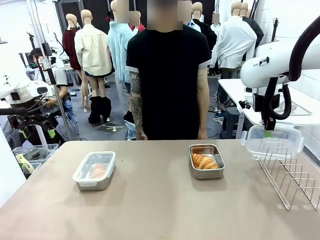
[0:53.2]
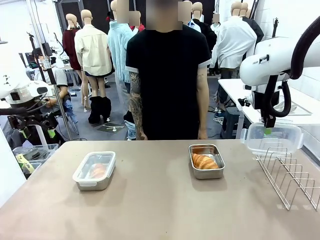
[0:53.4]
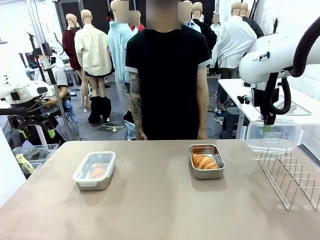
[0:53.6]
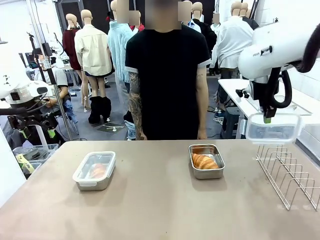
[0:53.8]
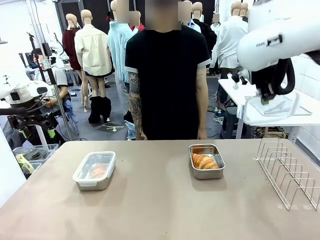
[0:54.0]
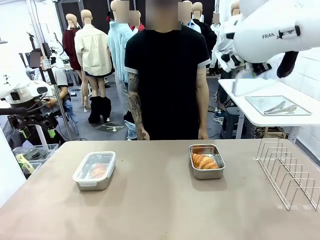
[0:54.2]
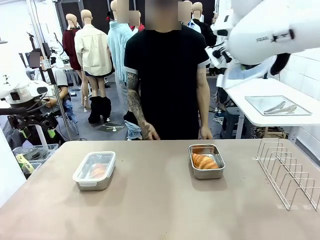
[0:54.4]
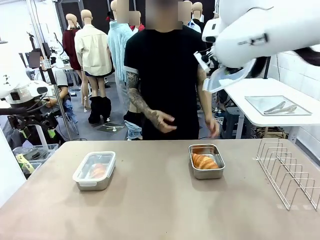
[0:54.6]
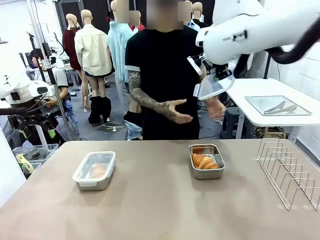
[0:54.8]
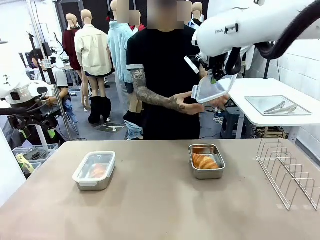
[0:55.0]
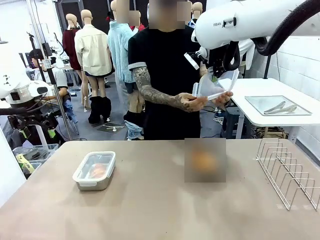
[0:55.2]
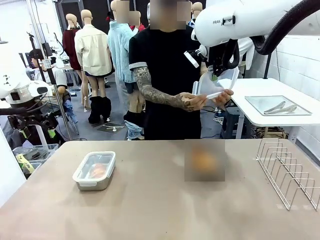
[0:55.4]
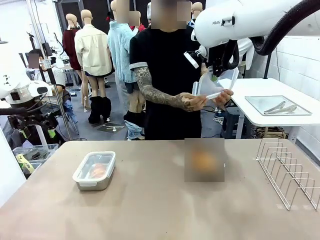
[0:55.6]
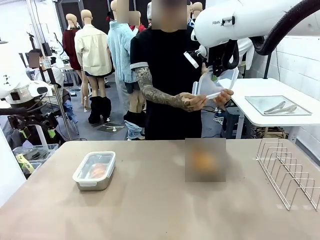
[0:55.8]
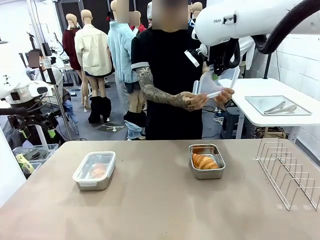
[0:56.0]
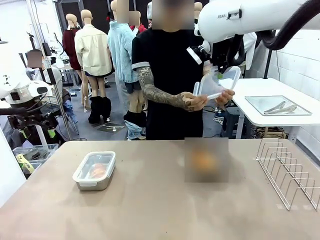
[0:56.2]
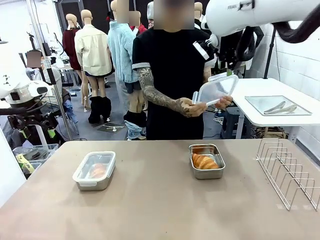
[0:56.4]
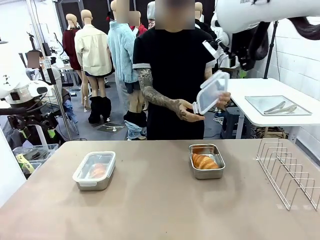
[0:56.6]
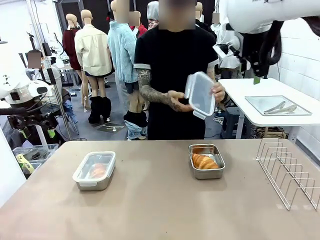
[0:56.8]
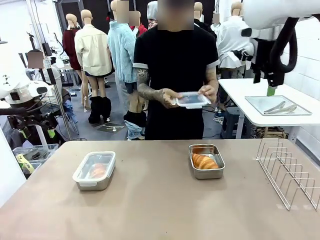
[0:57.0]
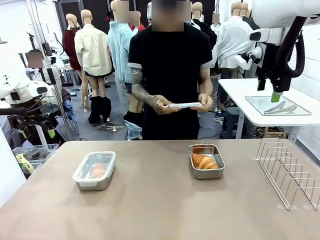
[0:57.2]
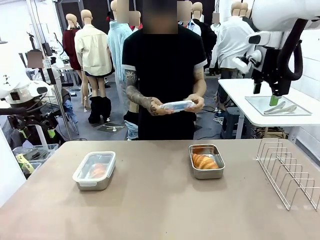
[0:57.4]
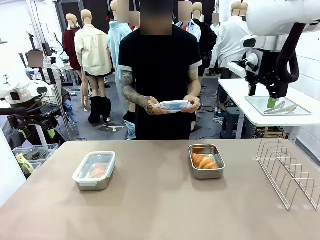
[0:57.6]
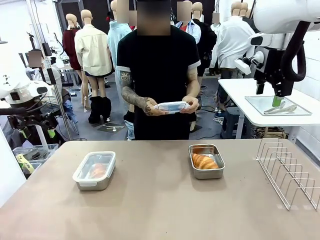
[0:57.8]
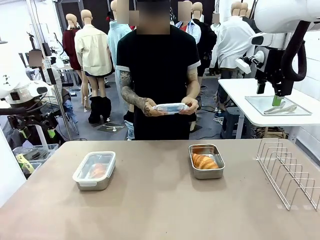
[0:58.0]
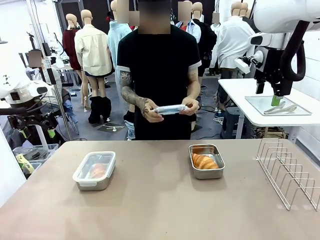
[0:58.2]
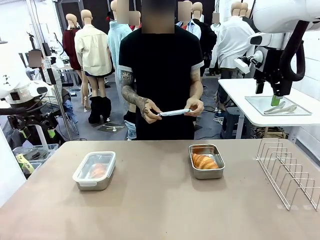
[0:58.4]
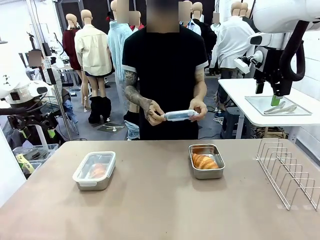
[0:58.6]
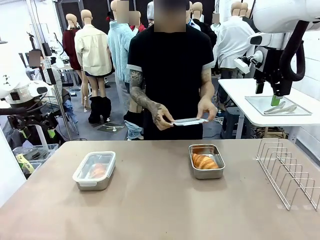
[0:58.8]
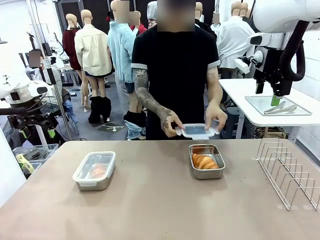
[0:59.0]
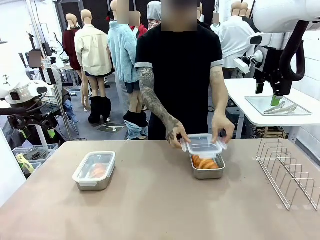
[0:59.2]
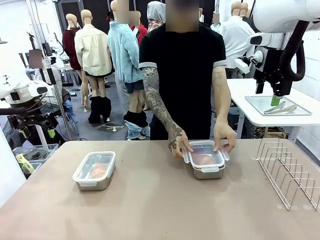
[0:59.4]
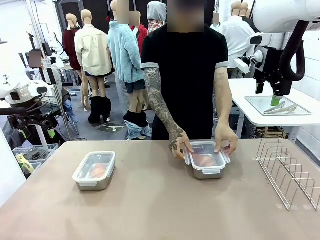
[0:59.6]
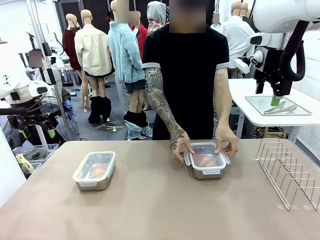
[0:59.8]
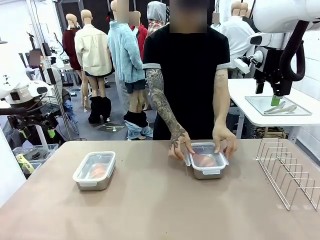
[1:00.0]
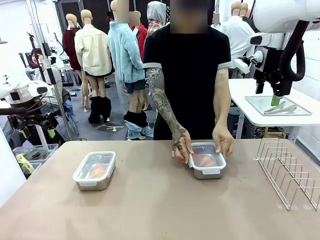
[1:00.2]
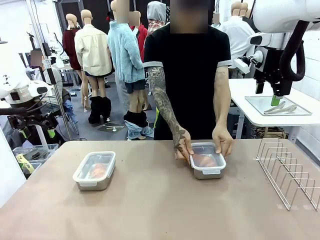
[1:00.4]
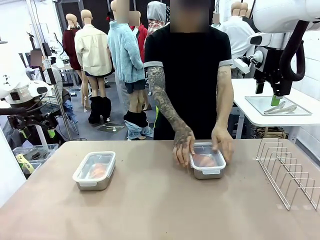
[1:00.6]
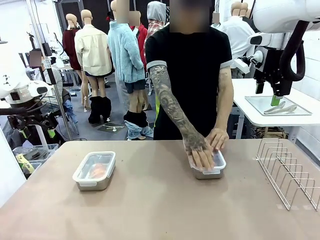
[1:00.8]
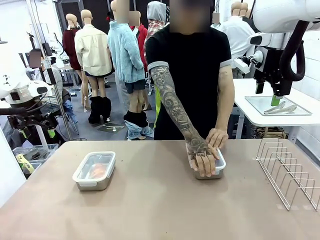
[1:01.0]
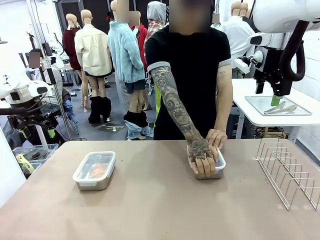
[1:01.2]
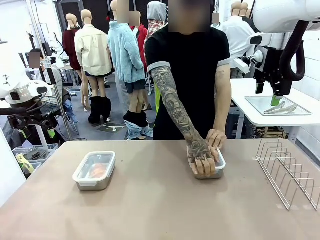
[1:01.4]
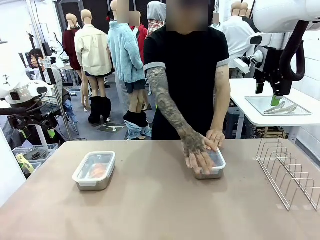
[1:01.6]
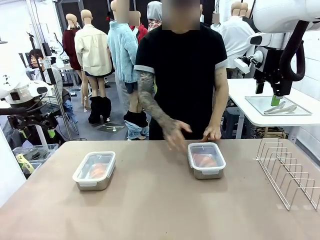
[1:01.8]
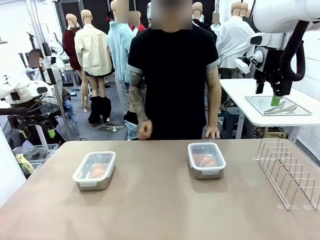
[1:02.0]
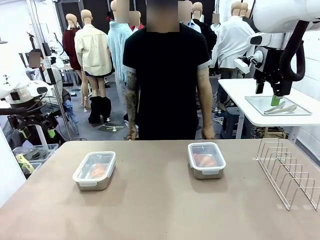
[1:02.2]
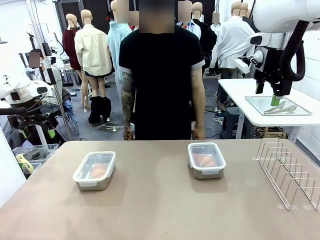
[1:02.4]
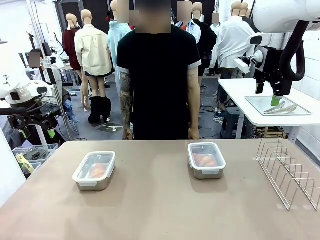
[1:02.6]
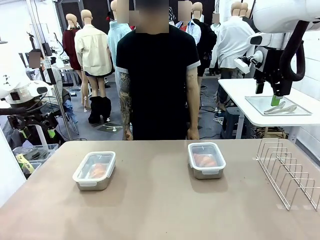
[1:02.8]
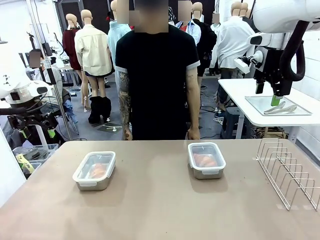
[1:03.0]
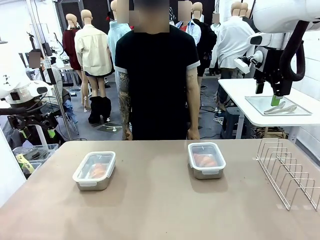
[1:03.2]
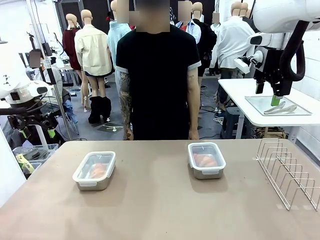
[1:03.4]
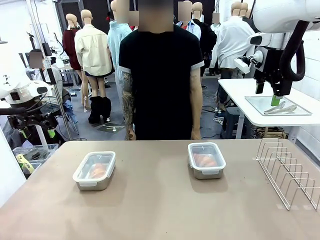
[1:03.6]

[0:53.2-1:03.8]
Task: Place the bread in airtight containers.
Robot: Release when the human grabs the Airtight Container lid.
Person: Grip Airtight Container lid that robot is handing. Close Airtight Container with a handed Airtight Container lid.

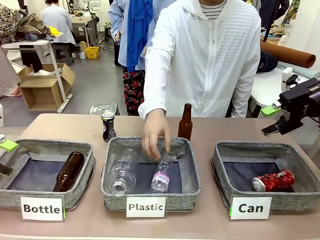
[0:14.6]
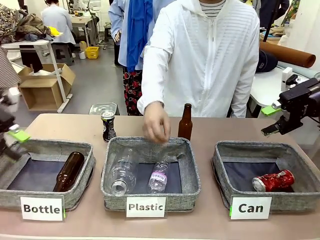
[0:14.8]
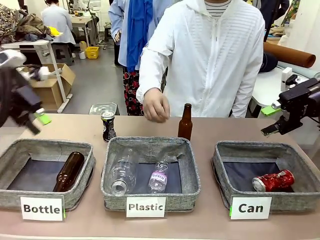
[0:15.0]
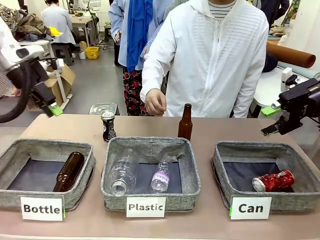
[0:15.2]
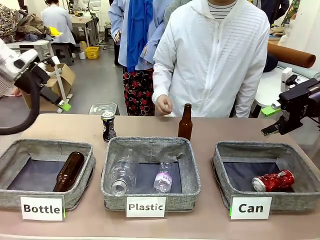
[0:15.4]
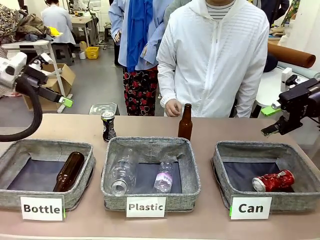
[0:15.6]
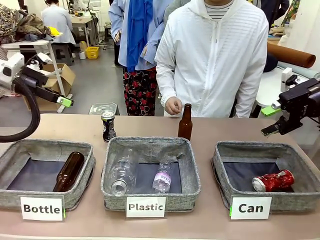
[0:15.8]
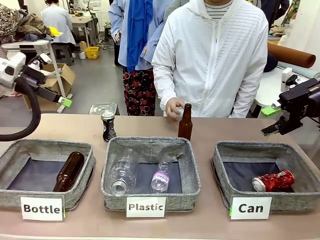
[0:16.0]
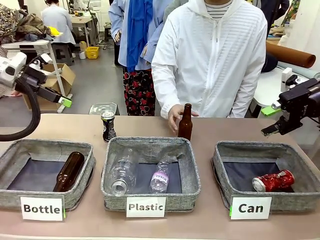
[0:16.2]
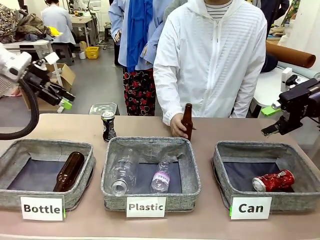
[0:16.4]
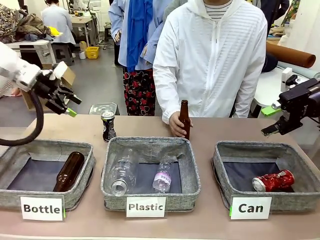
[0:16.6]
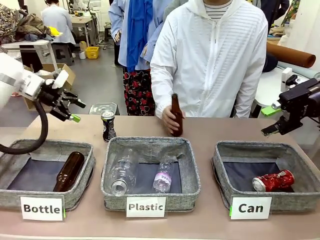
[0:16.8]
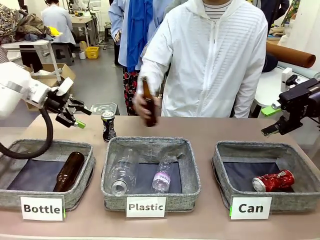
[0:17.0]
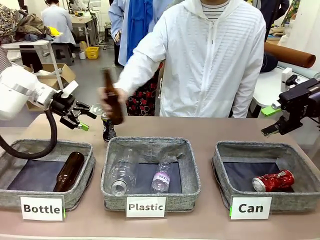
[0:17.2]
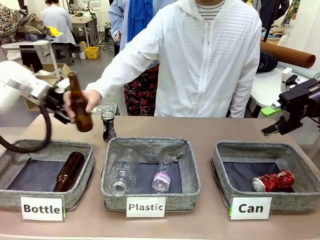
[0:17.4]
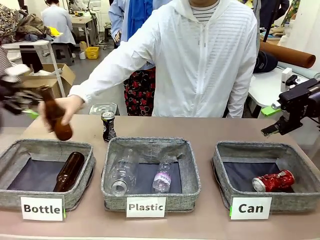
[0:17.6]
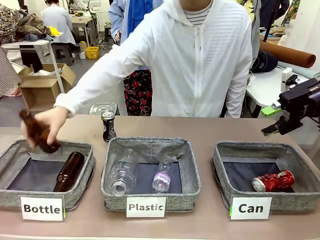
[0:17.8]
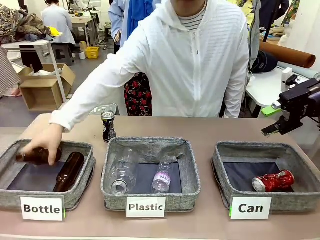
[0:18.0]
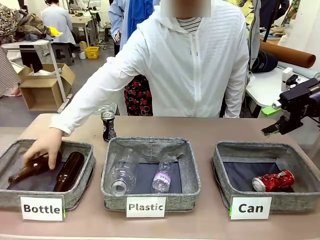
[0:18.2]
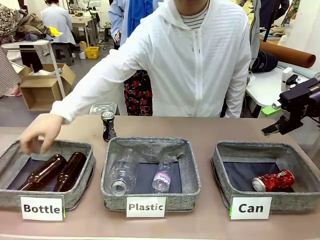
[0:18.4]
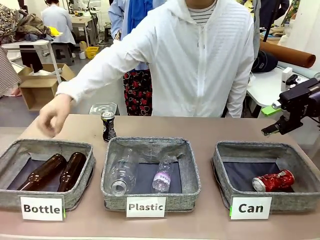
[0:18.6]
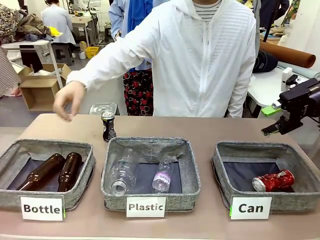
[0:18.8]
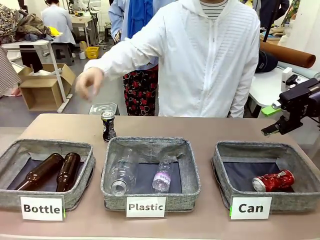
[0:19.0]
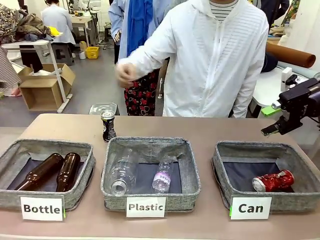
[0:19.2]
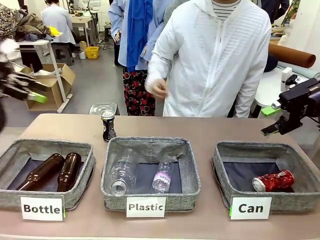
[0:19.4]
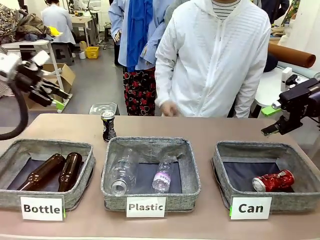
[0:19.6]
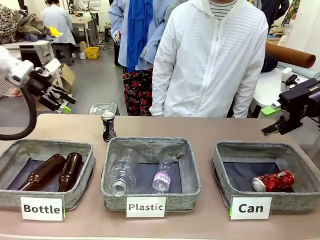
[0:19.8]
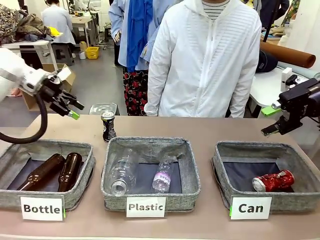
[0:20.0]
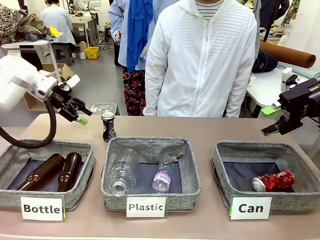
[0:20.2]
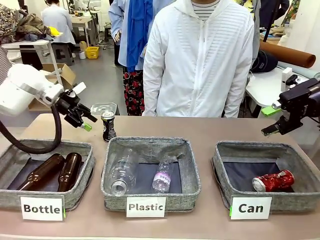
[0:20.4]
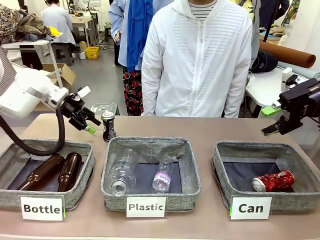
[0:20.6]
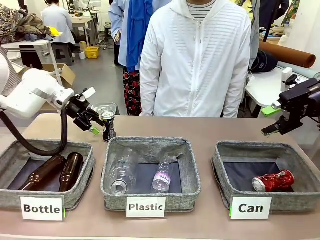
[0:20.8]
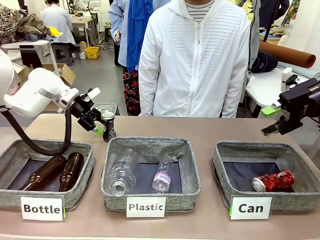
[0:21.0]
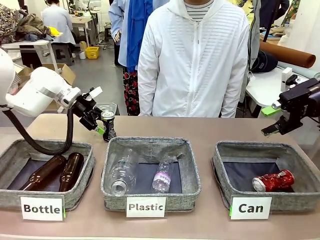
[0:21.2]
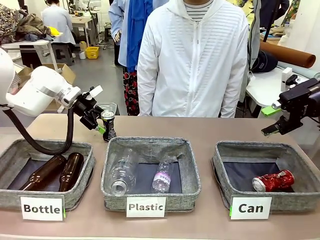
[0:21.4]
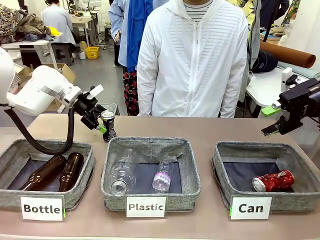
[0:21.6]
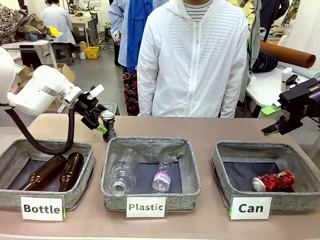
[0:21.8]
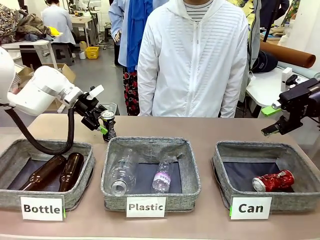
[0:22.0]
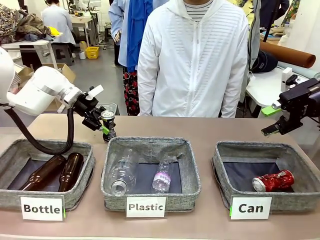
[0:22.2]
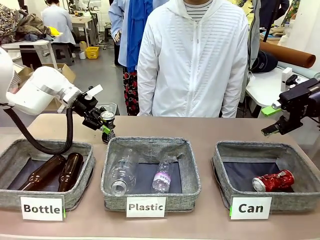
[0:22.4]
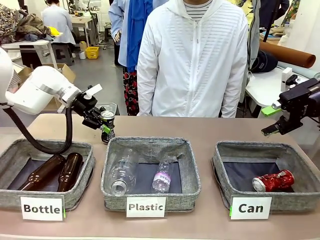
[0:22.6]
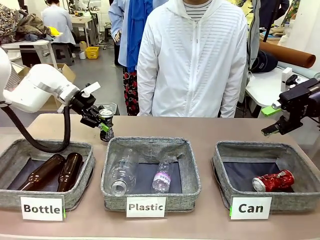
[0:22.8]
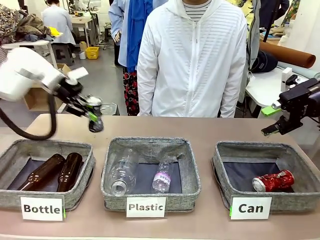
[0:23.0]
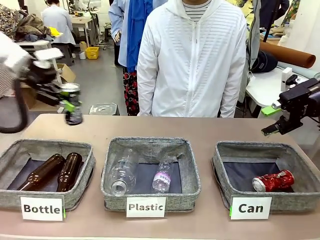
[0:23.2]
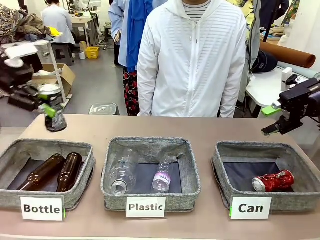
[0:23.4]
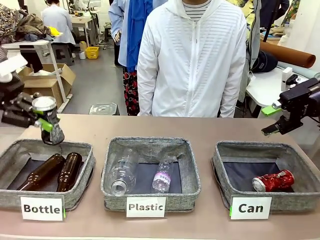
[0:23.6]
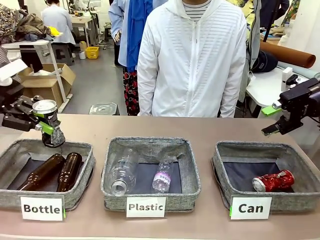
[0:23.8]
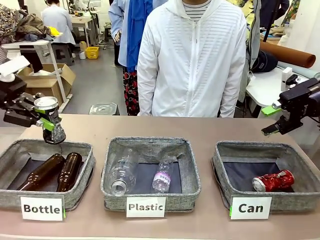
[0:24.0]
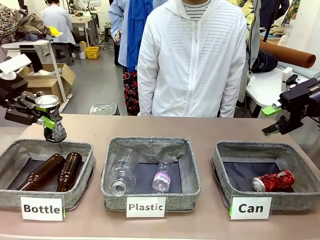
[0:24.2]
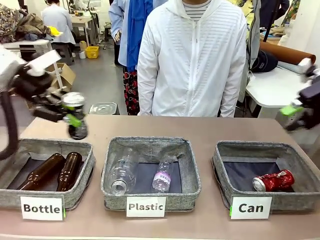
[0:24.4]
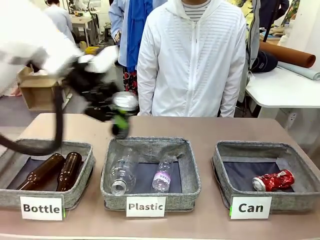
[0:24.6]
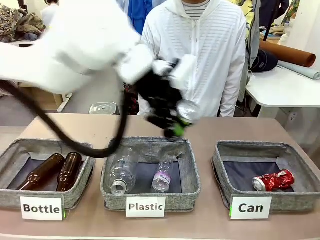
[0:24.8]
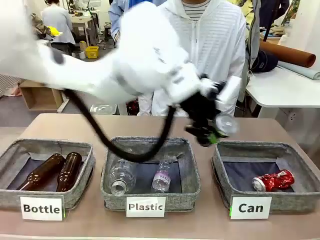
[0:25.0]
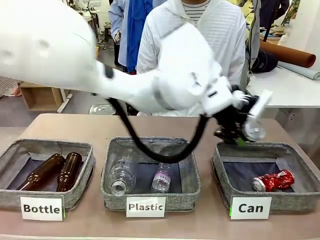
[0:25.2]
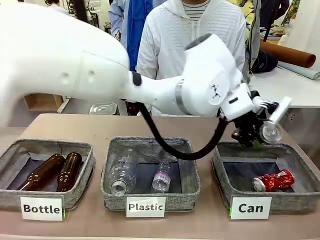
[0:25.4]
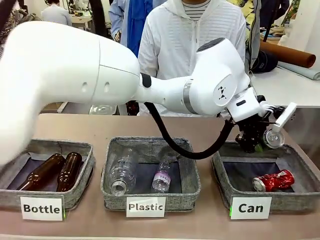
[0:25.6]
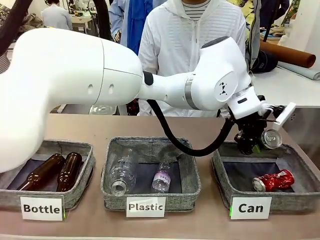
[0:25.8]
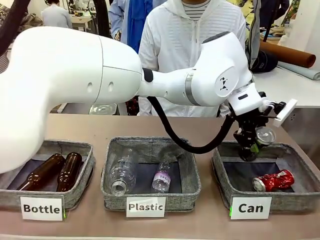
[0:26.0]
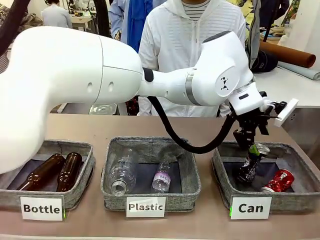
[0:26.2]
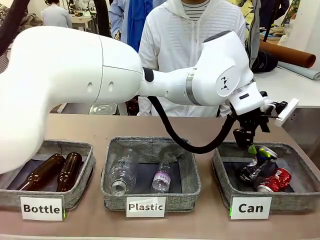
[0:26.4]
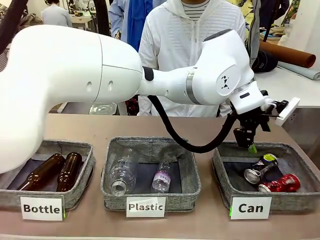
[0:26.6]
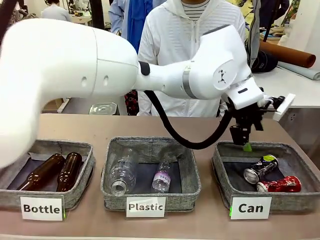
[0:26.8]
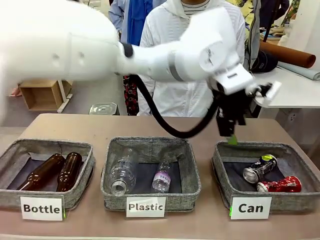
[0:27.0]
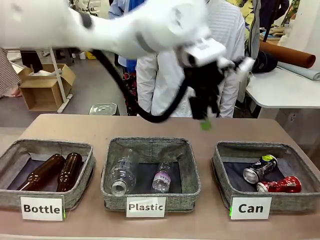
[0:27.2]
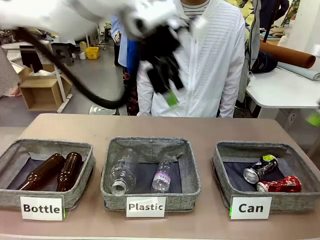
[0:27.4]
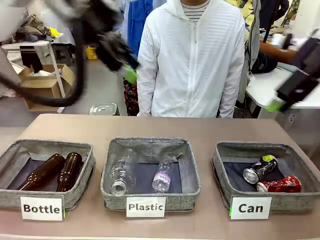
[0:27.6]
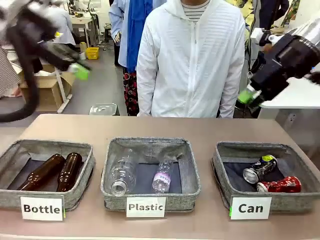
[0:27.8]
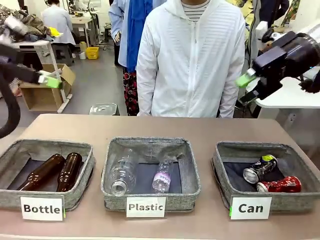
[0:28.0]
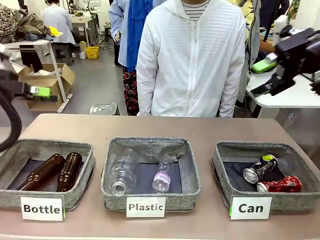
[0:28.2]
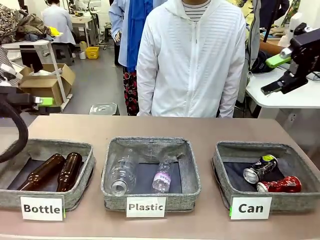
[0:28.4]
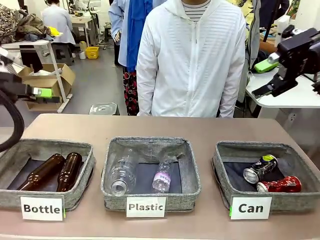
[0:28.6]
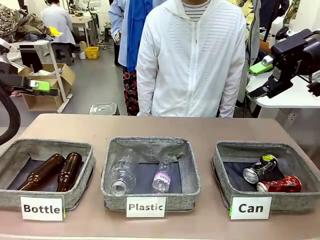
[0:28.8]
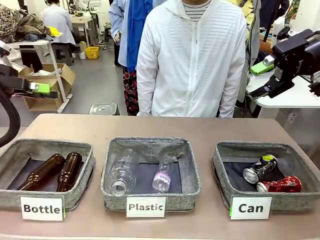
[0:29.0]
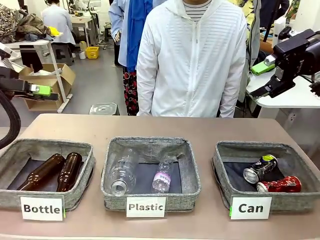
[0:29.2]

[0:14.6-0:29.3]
Task: Sort the can waste into the basket.
Robot: Pick up the can waste from the table and place it in the right Fabric basket.
Person: The human picks up one piece of trash that is not a can and places the trash into the appropriate organizing basket.
